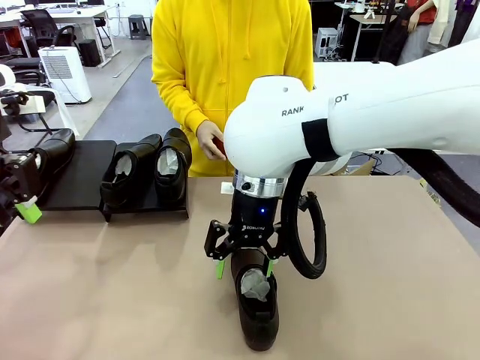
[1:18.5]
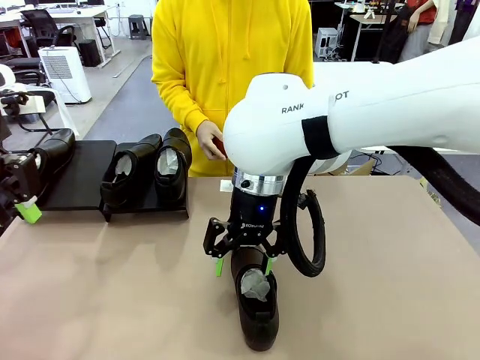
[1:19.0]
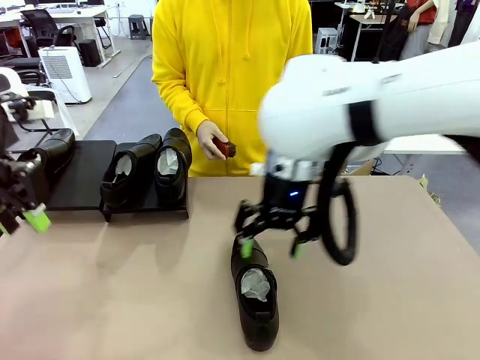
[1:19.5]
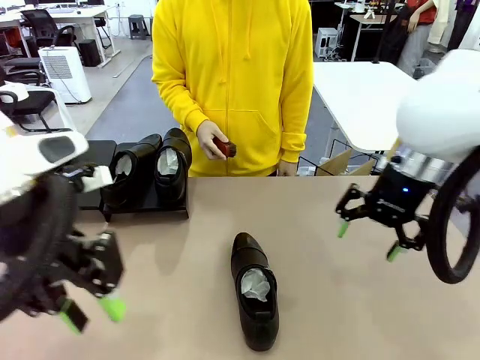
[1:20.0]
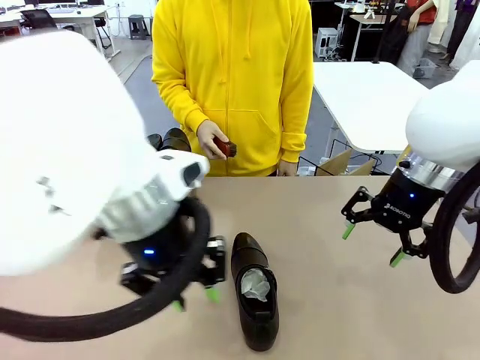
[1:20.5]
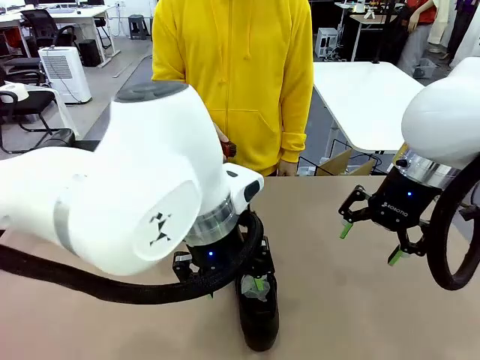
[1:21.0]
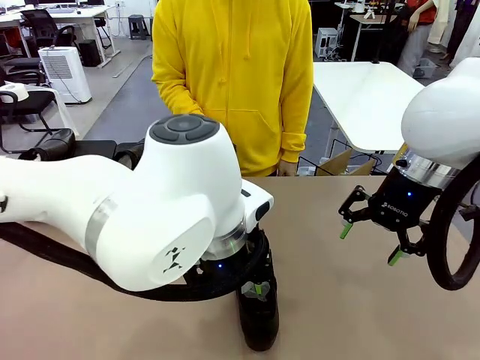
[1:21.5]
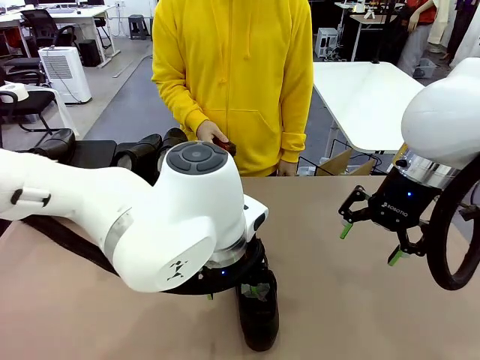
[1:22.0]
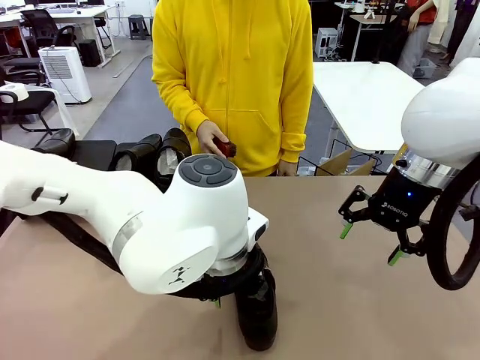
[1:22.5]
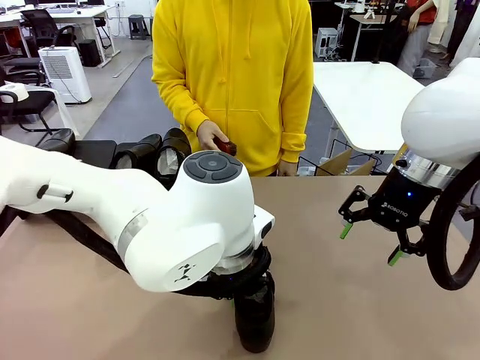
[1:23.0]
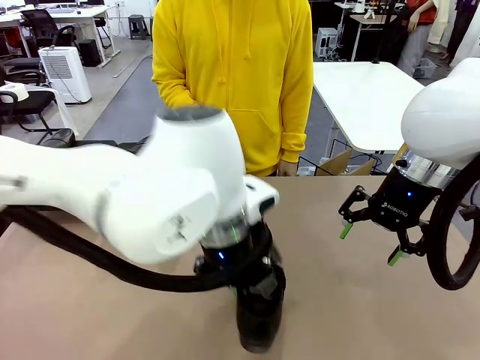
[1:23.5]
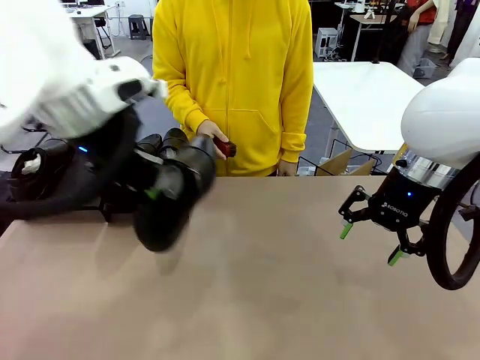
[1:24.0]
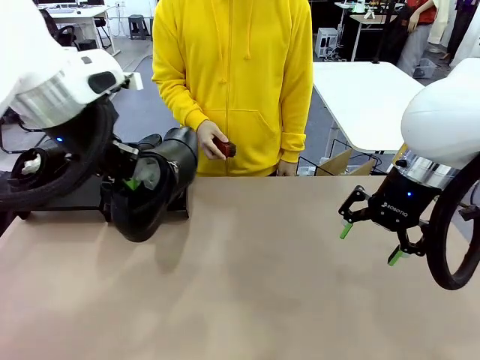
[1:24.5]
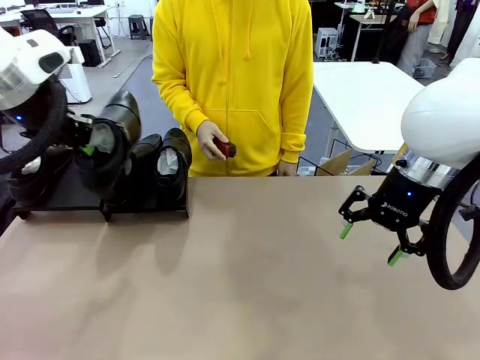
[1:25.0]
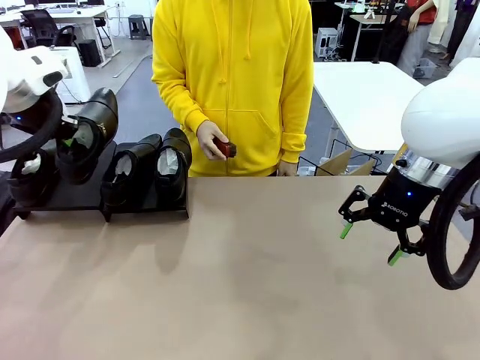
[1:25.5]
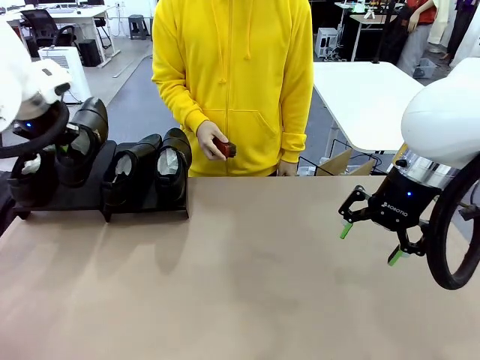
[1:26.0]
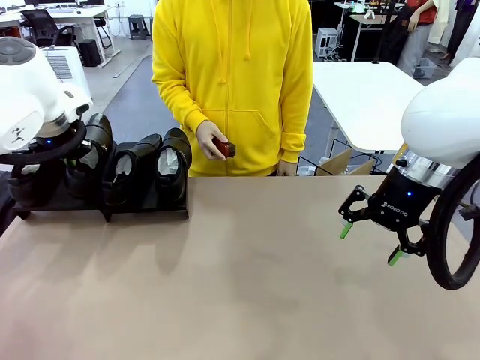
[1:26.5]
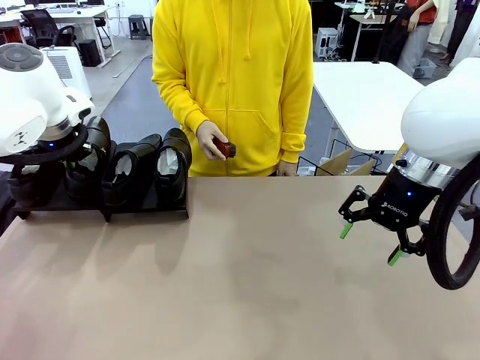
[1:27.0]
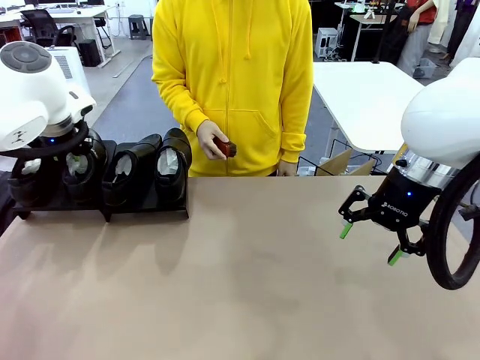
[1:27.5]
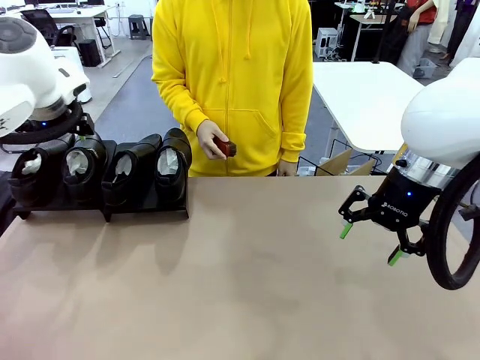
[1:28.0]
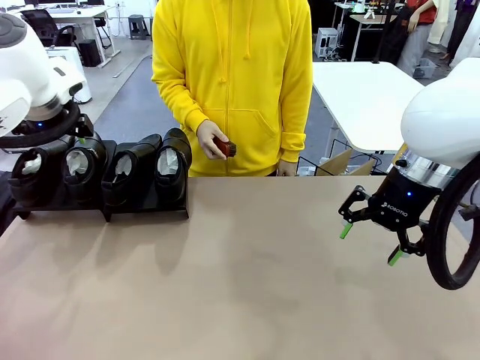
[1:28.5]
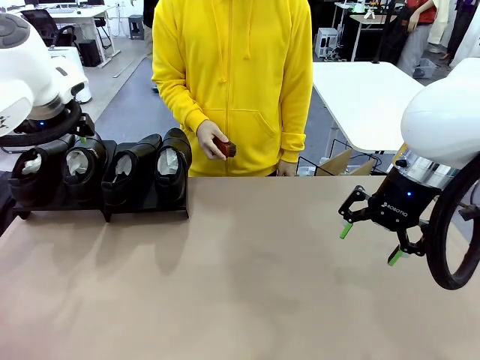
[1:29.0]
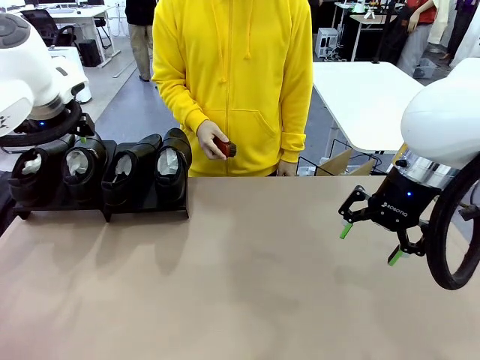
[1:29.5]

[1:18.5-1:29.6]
Task: Organize the shoes by placing them on the stand.
Robot: Place the Shoe from the middle of the table onto the Shoes Stand.

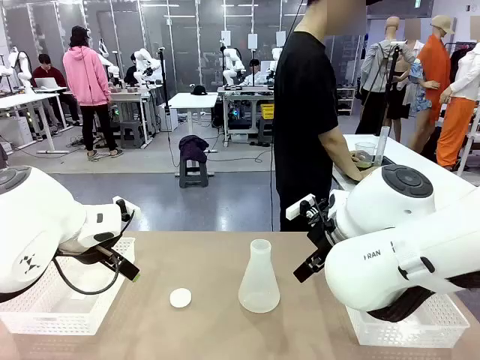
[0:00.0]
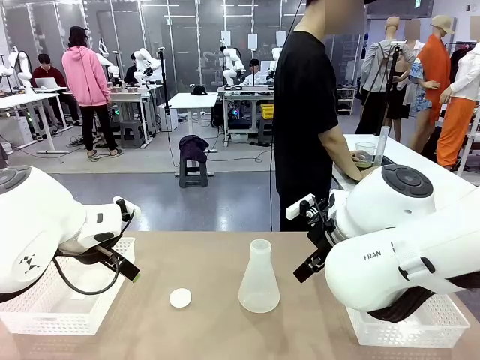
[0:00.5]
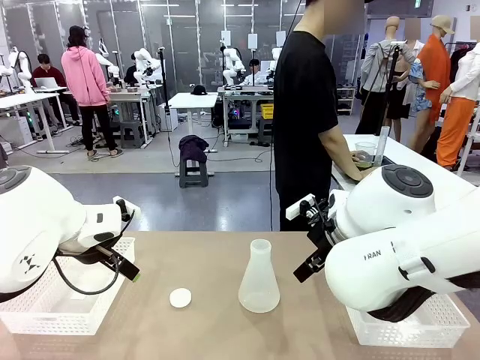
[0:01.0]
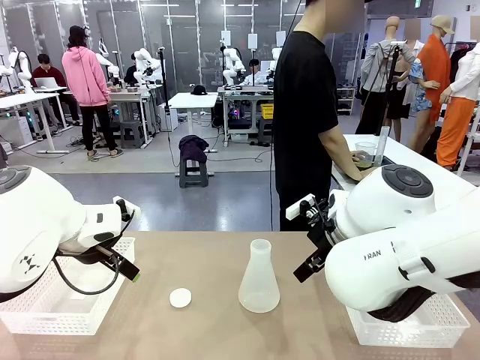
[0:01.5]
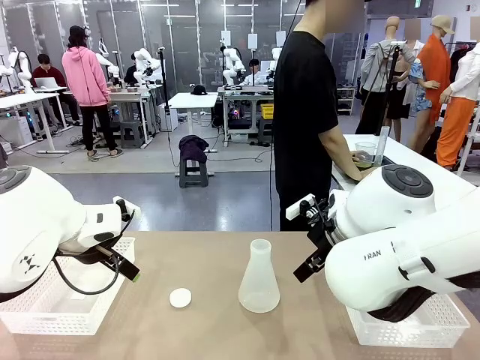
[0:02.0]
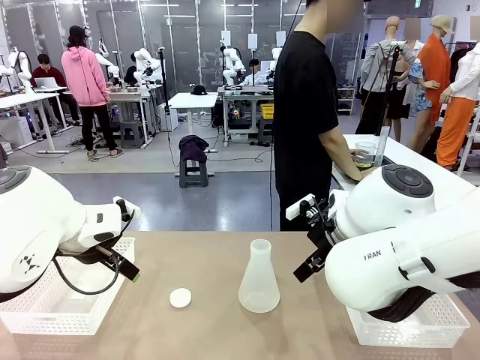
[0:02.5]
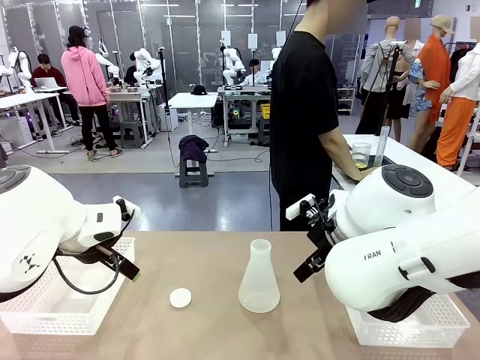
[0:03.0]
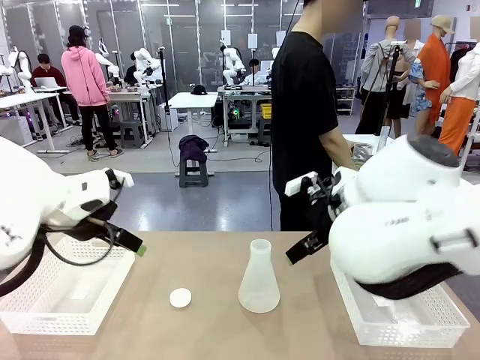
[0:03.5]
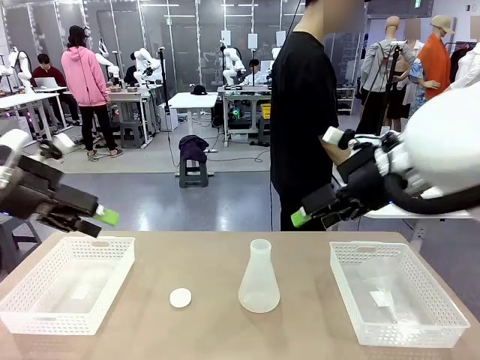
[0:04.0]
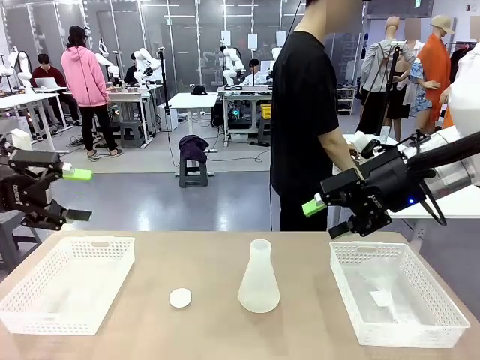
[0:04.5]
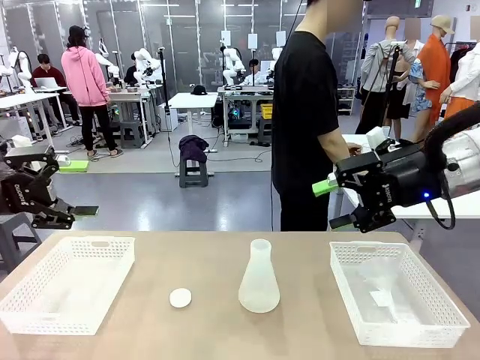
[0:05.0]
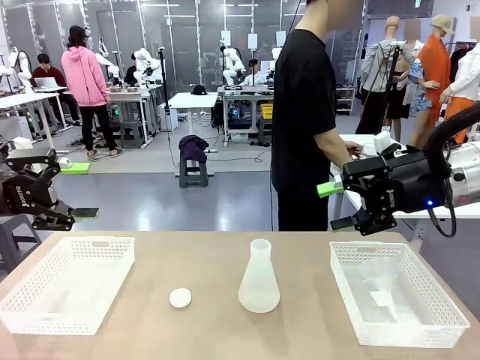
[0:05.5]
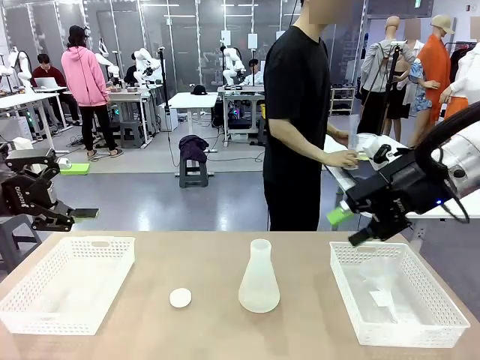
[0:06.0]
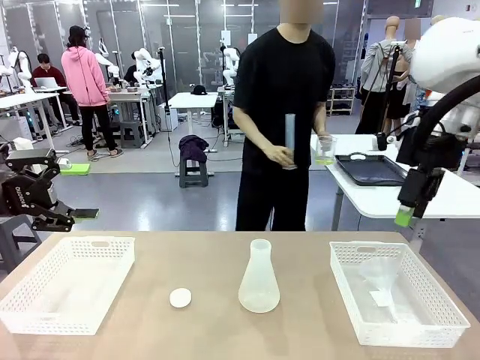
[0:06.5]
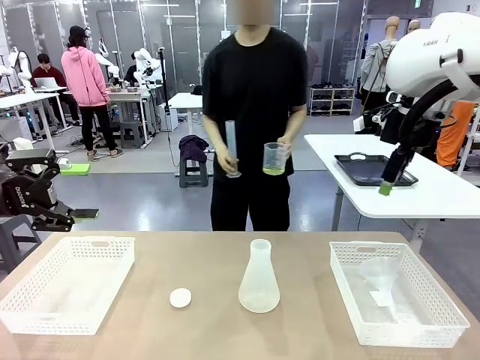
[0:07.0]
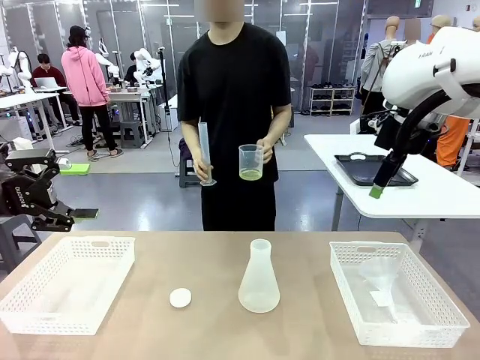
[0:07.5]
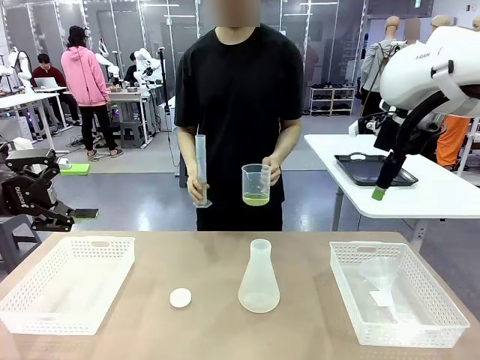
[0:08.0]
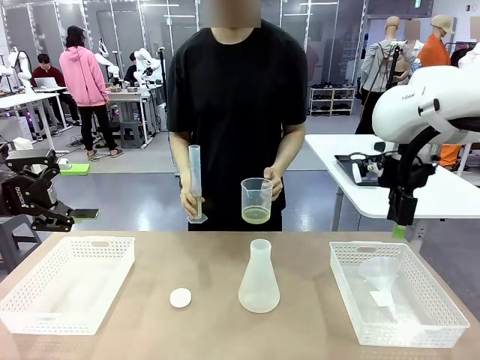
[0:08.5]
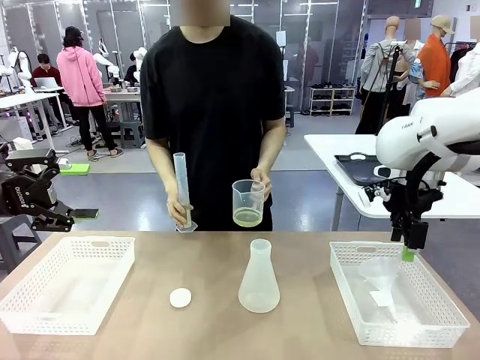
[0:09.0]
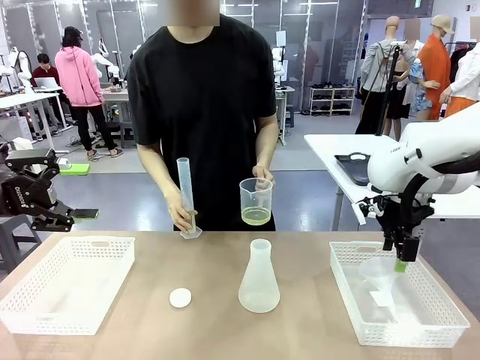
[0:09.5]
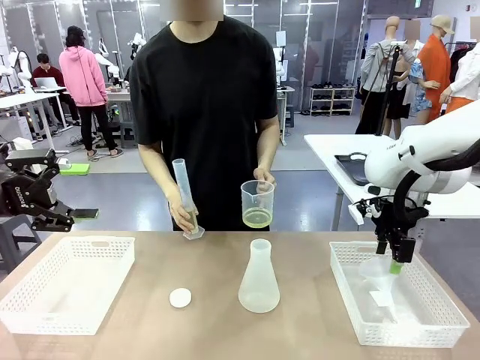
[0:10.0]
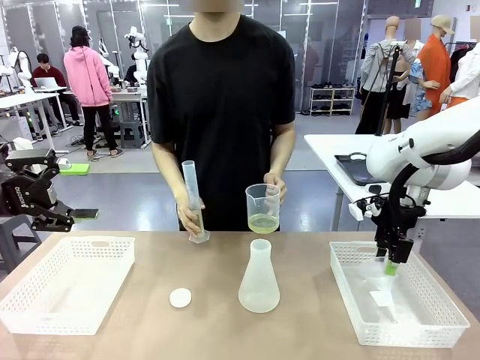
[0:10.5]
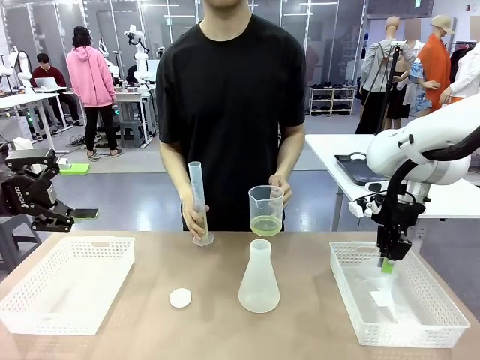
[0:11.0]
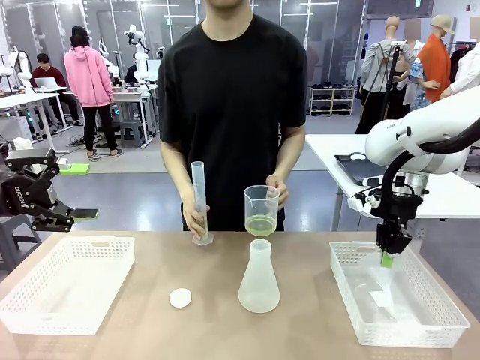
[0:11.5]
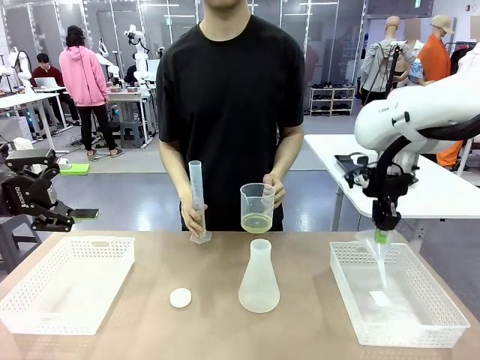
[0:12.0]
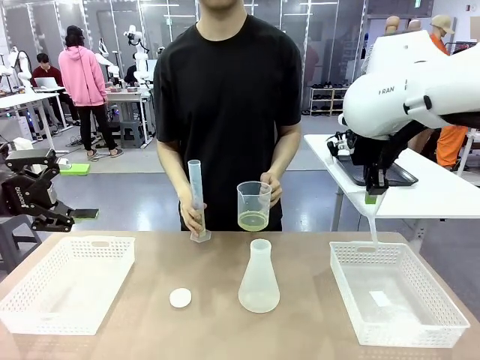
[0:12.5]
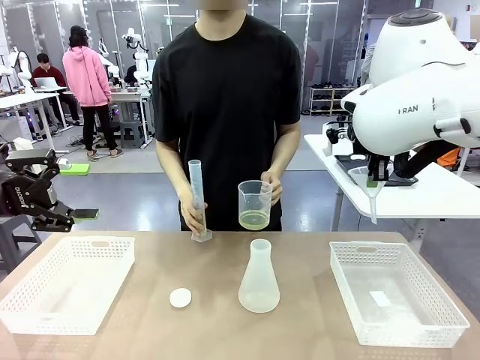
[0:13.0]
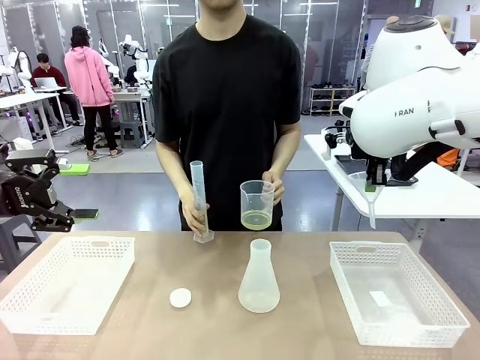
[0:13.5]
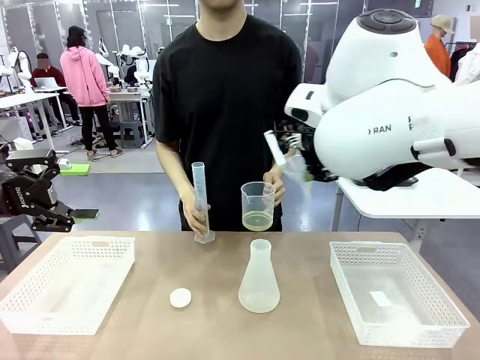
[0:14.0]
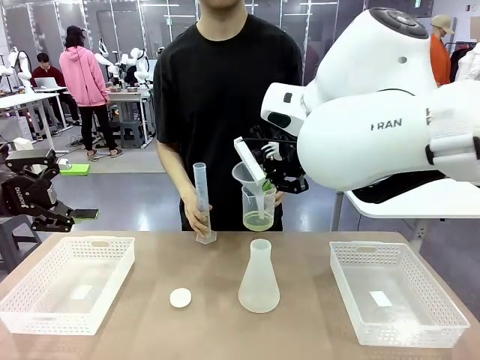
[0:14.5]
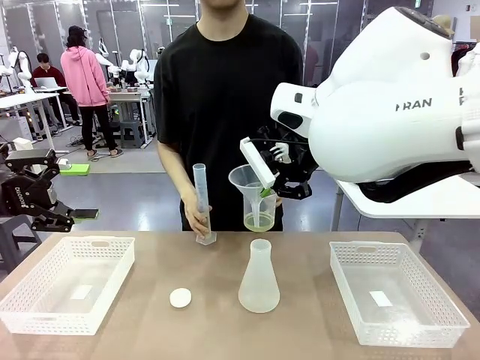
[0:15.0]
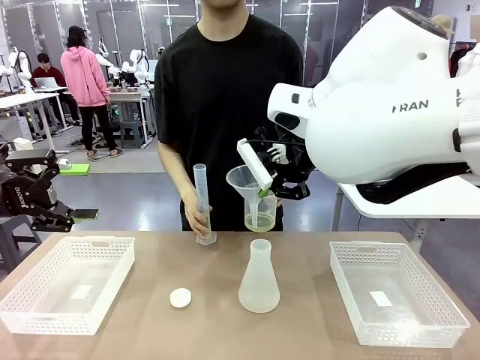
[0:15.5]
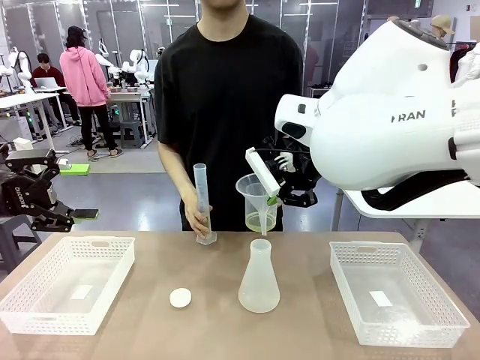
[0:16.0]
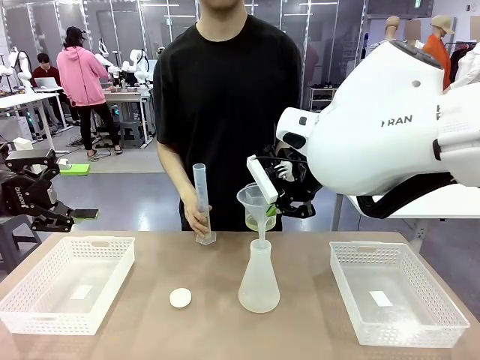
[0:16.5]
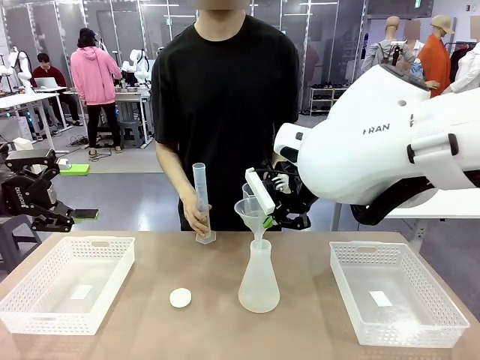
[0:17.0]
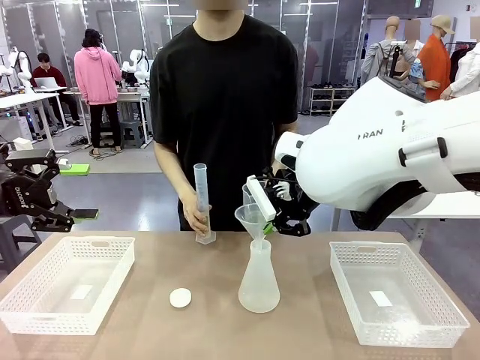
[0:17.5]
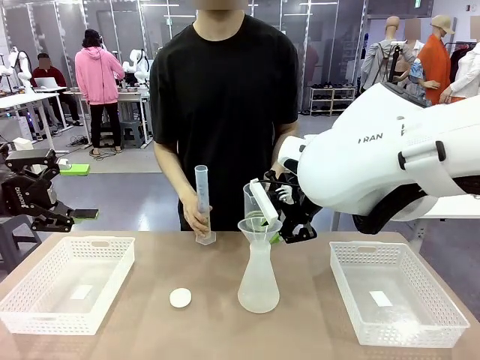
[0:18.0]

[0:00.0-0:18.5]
Task: Prepare the solutions needed for the experiment.
Robot: Pick up the Plastic Funnel and insert it into the Big flask.
Person: Pick up the beaker and the cylinder and move to the middle of the robot table. Pour the solution from the beaker and the cylinder into the flask.
